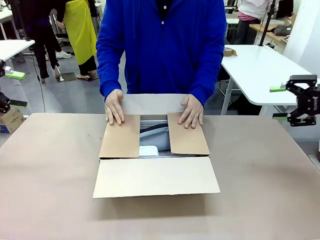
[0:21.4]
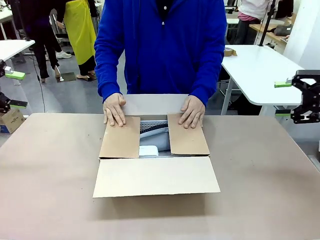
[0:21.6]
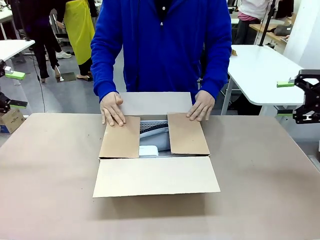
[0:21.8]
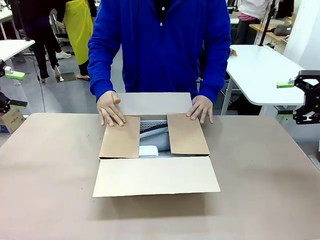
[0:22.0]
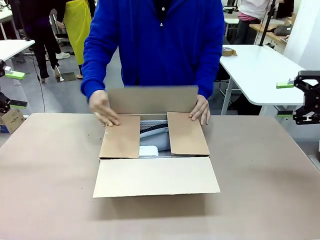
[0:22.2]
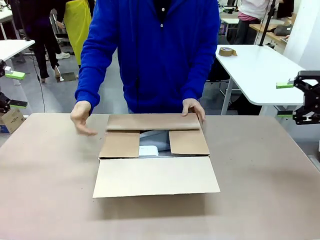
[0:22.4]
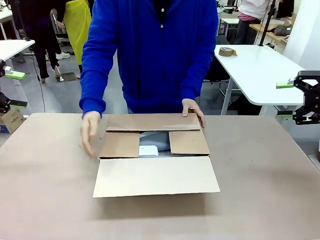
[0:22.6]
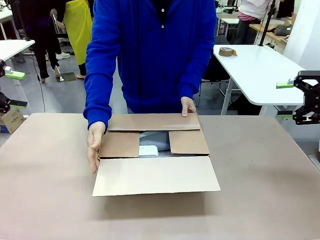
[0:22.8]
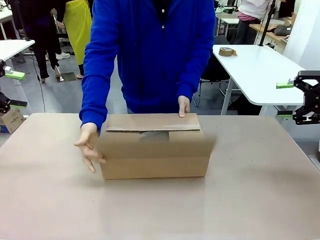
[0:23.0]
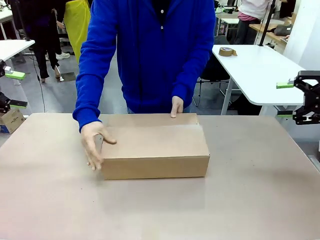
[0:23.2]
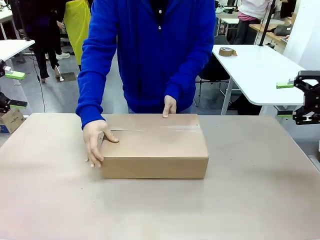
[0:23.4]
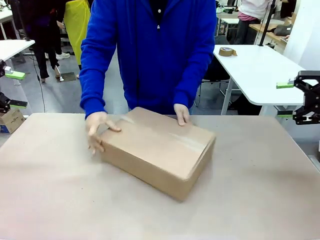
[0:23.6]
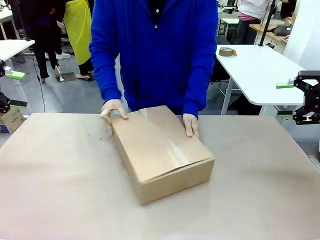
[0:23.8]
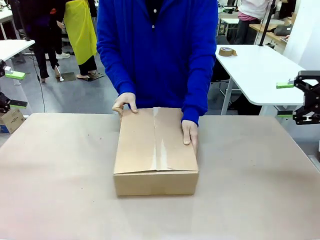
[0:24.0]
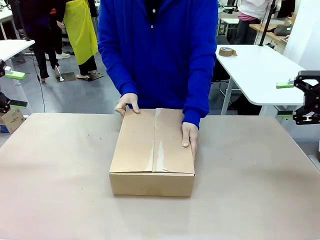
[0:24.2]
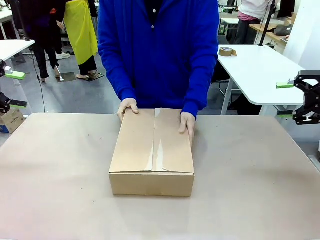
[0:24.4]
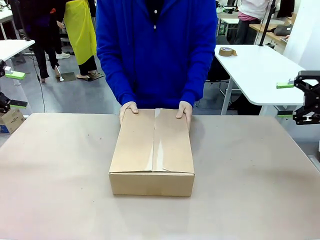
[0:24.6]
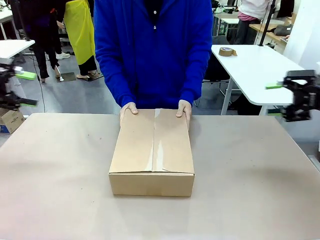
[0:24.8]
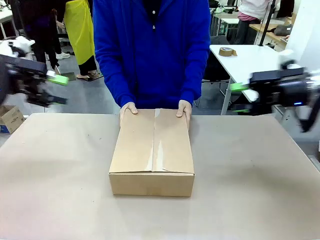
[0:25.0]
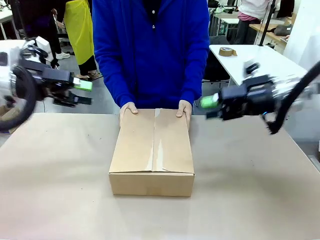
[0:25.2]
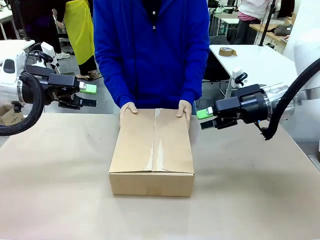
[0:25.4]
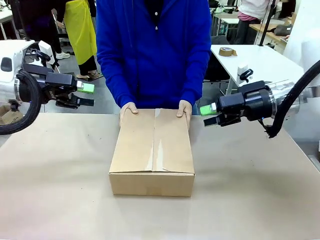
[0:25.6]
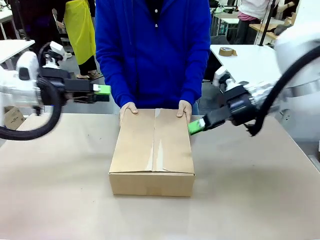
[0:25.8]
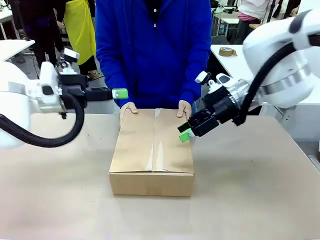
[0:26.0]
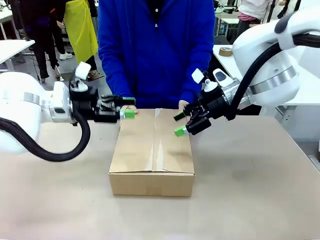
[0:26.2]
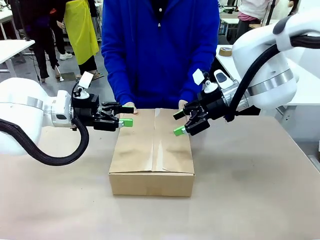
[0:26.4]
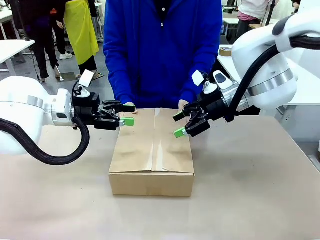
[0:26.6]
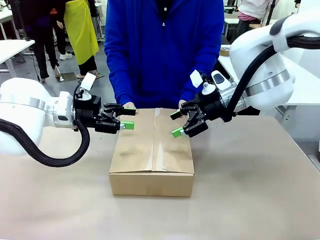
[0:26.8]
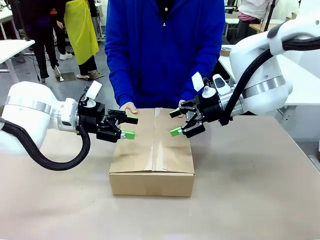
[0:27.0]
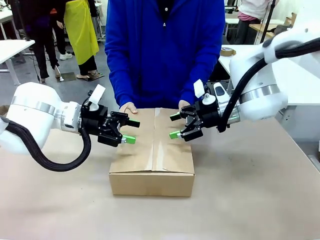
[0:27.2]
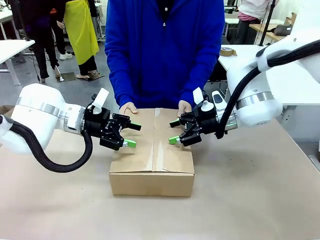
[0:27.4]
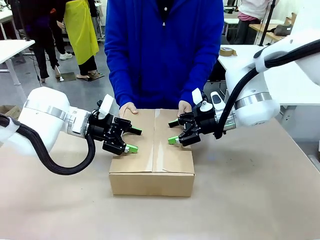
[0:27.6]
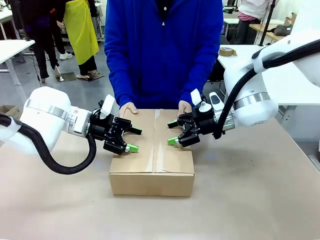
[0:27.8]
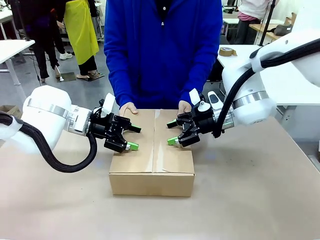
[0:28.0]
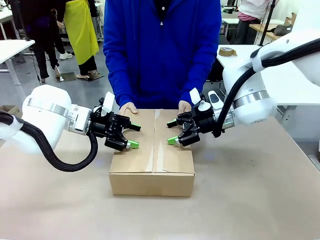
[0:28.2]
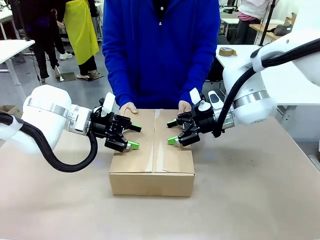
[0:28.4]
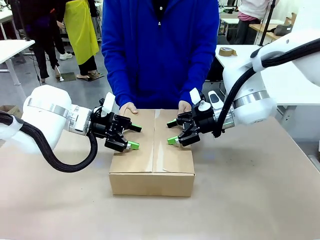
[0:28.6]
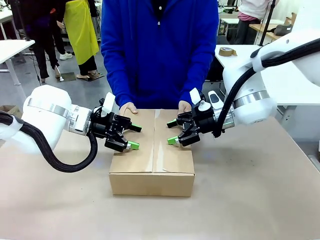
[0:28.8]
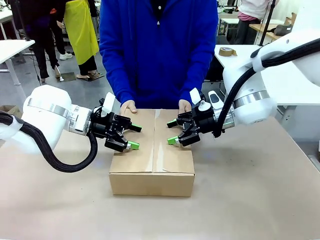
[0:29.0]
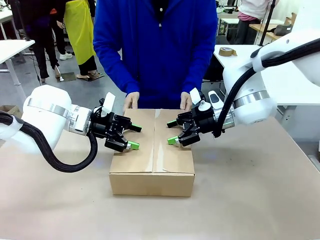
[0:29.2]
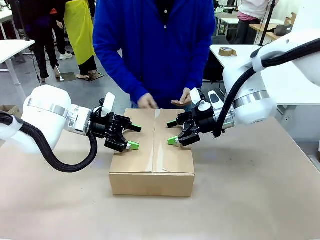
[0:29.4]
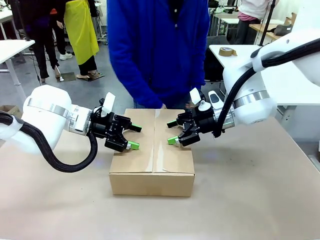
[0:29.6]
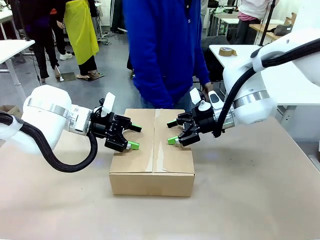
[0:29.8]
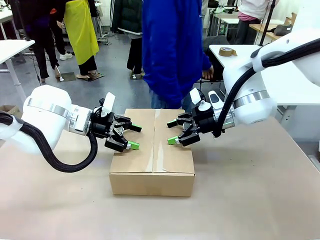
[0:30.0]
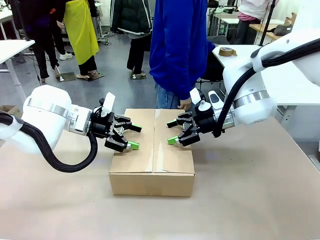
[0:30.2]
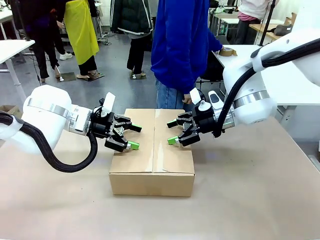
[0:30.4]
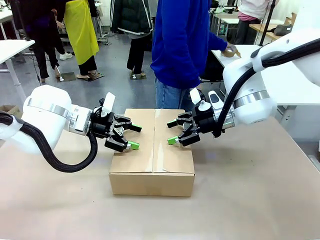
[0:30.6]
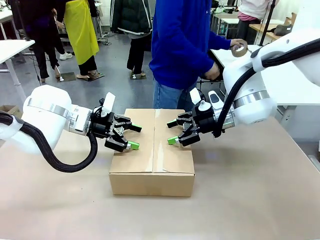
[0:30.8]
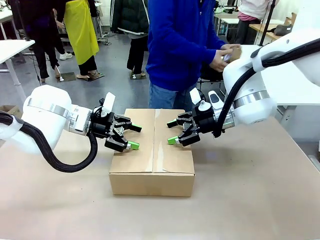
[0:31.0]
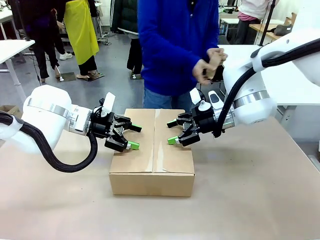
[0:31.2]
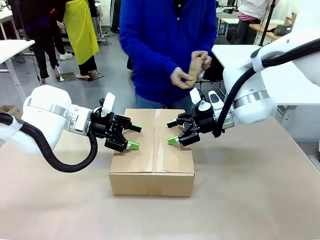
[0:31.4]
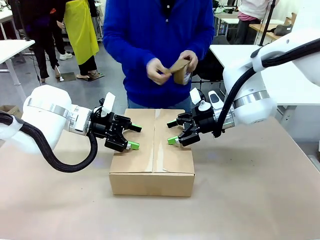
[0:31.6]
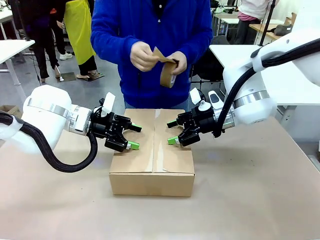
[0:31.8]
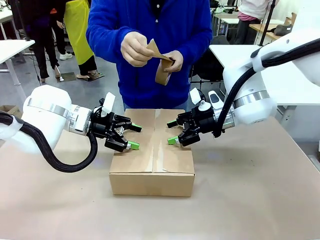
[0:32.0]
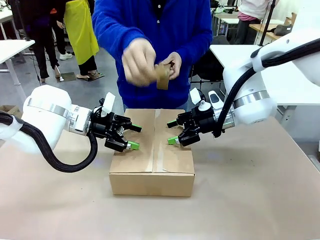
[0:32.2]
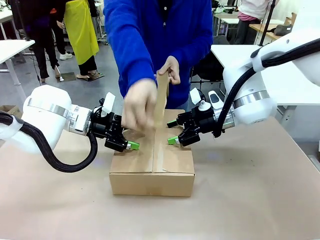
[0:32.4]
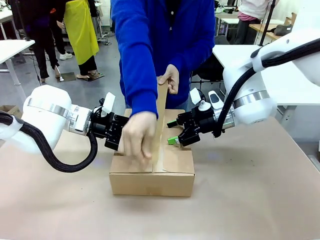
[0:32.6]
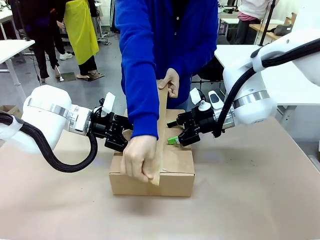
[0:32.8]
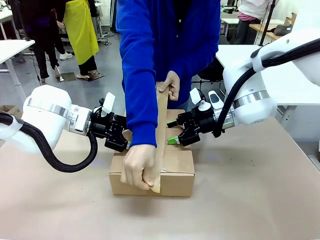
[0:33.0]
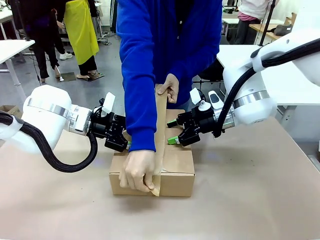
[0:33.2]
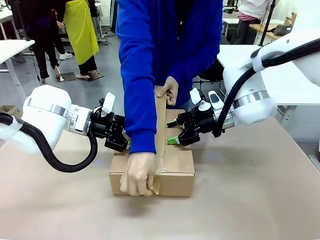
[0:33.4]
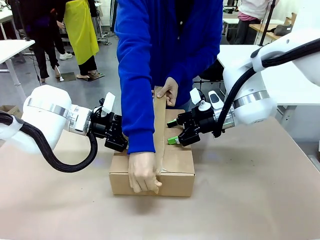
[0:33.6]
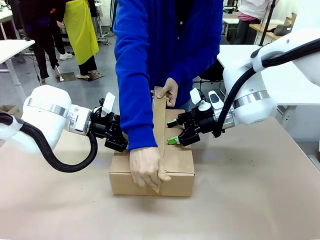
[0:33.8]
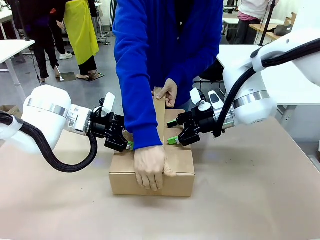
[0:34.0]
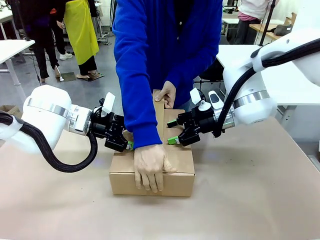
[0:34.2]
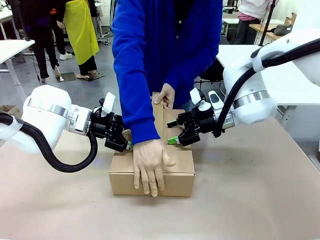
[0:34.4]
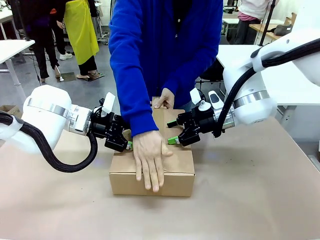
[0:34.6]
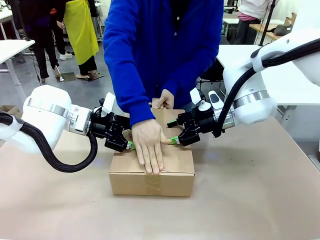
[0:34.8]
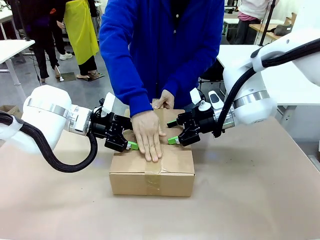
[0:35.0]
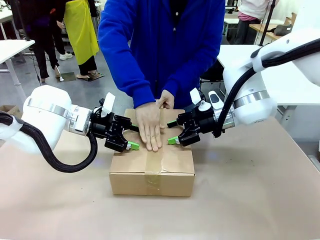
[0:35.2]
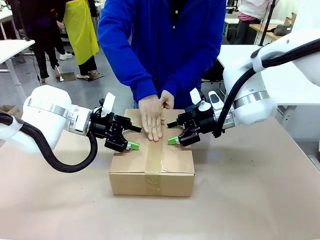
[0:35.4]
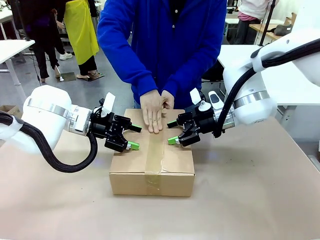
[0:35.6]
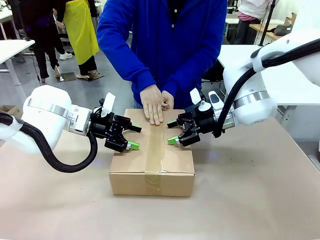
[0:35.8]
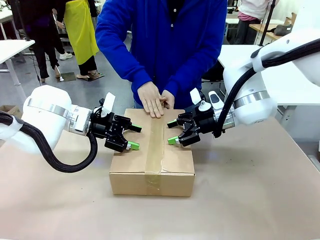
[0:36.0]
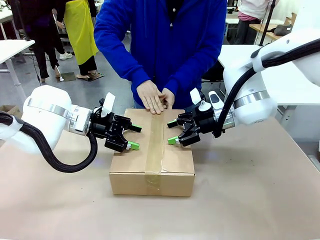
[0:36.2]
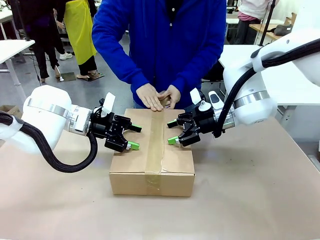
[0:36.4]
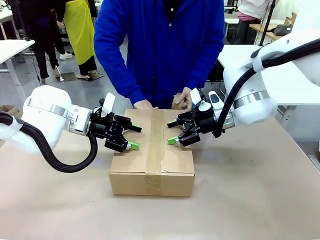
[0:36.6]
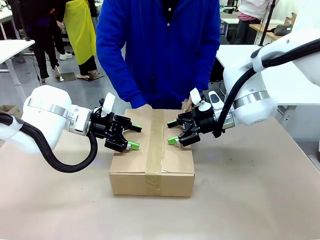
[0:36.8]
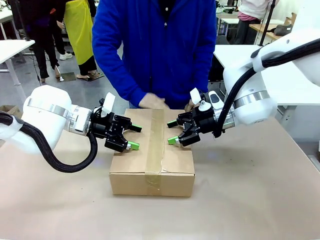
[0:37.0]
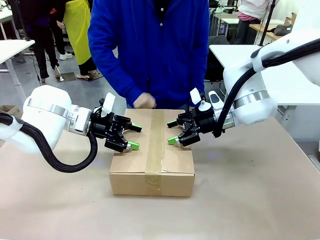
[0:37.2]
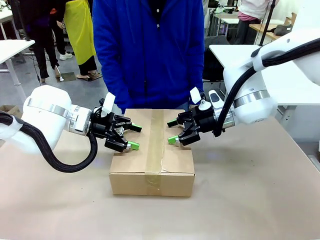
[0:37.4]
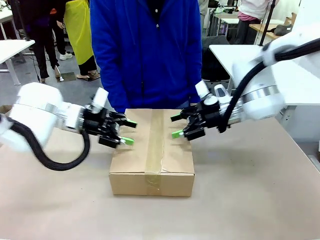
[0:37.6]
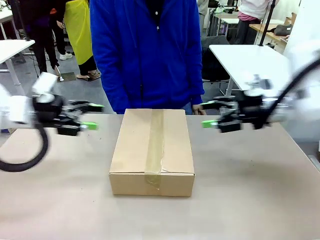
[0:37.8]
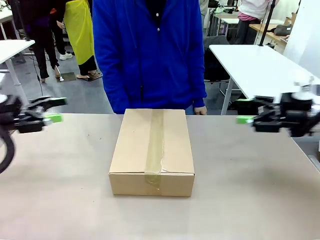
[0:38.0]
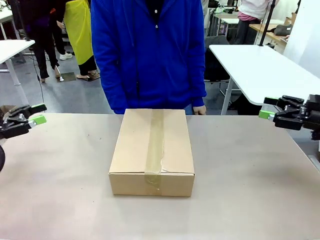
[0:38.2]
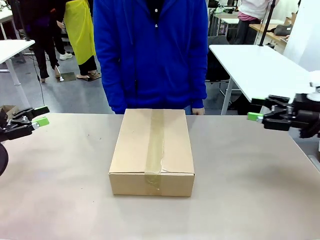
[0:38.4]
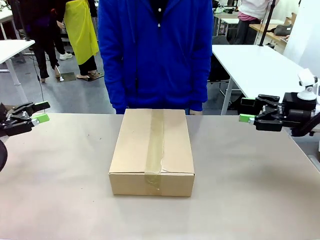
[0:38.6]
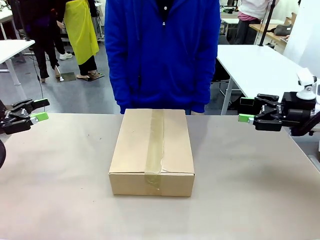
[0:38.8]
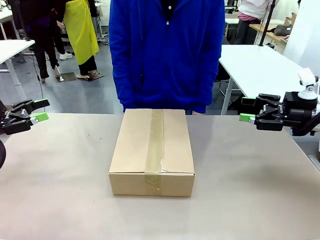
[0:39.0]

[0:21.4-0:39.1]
Task: Pack the gift set into the box.
Robot: Press and hold the closed box until the human finishes sealing it.
Person: The human closes the box and rotates the box by 90 degrees. The human picks up the paper tape from the human table and packs the box.
